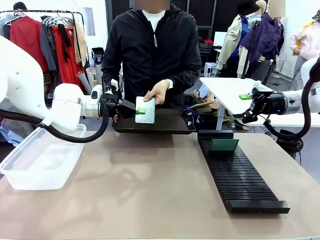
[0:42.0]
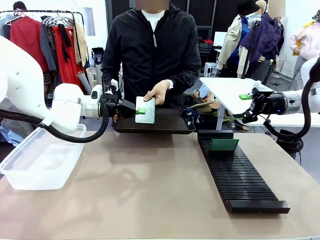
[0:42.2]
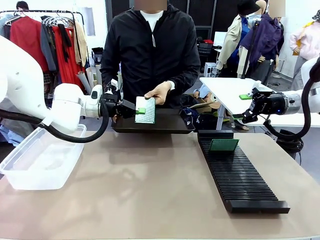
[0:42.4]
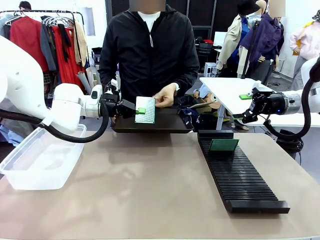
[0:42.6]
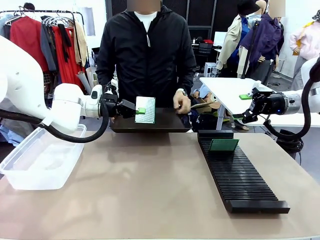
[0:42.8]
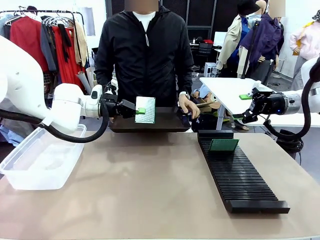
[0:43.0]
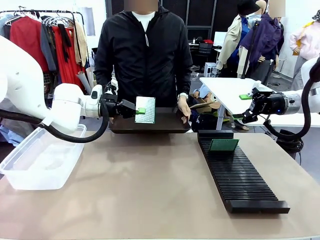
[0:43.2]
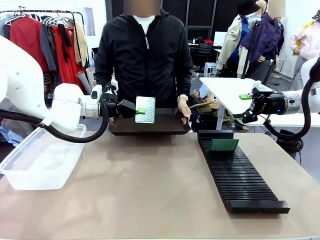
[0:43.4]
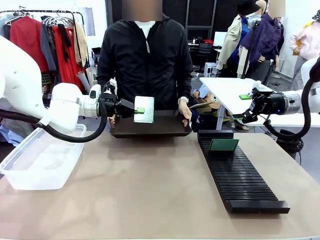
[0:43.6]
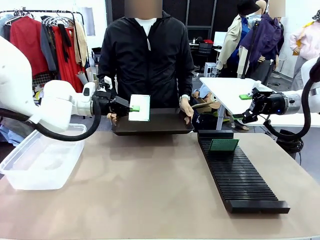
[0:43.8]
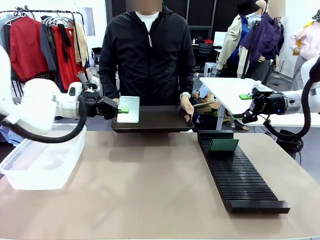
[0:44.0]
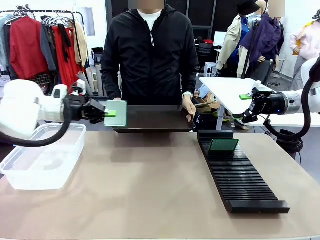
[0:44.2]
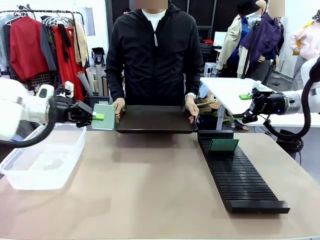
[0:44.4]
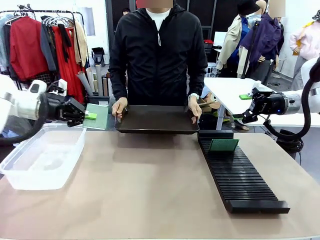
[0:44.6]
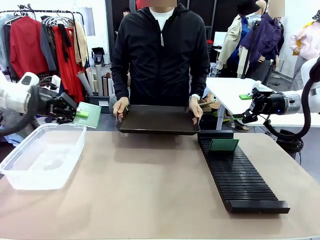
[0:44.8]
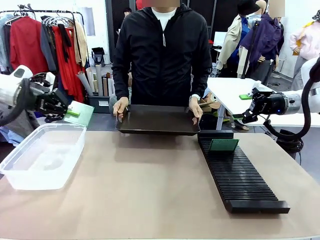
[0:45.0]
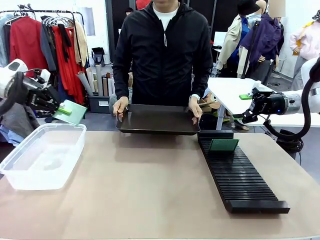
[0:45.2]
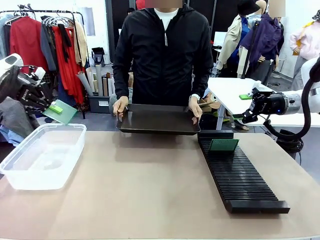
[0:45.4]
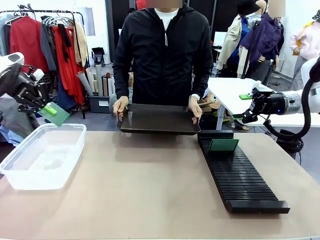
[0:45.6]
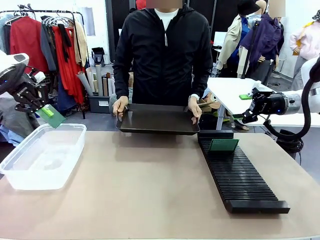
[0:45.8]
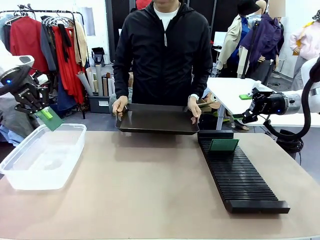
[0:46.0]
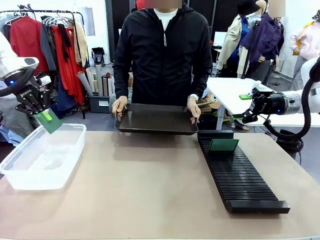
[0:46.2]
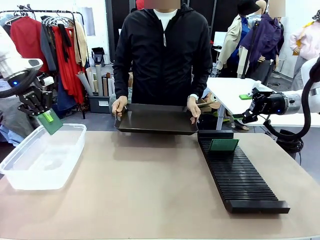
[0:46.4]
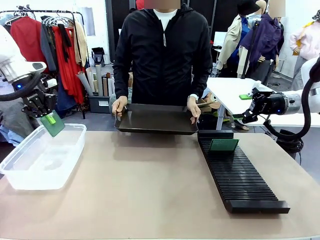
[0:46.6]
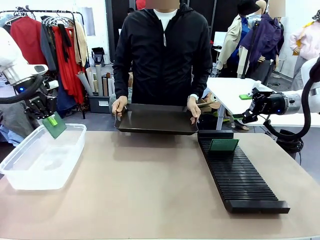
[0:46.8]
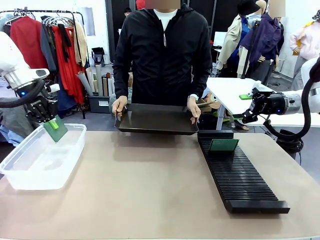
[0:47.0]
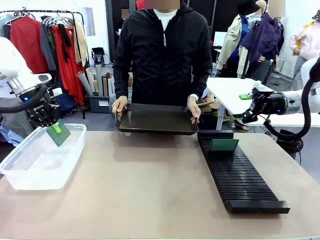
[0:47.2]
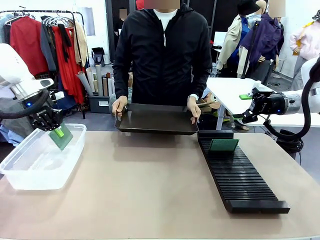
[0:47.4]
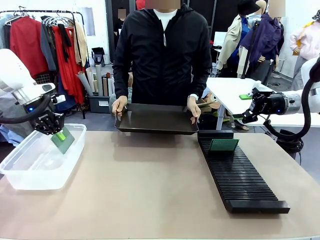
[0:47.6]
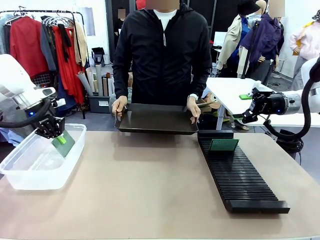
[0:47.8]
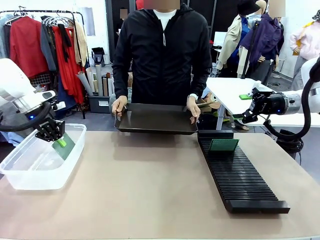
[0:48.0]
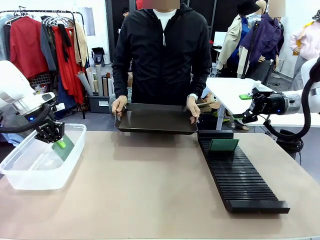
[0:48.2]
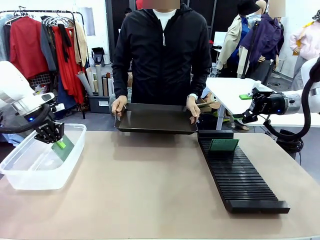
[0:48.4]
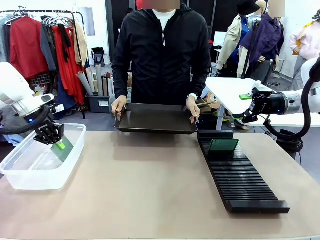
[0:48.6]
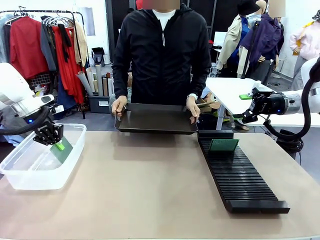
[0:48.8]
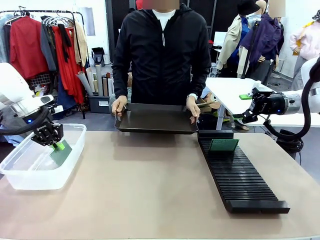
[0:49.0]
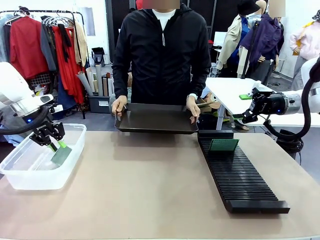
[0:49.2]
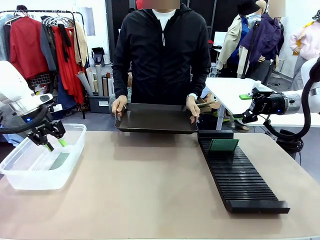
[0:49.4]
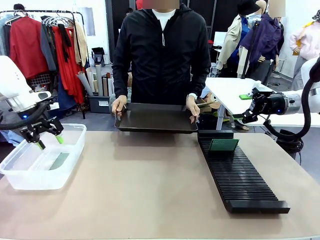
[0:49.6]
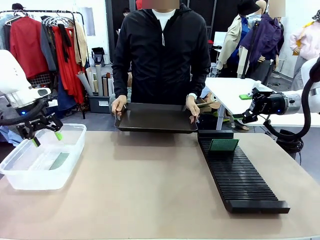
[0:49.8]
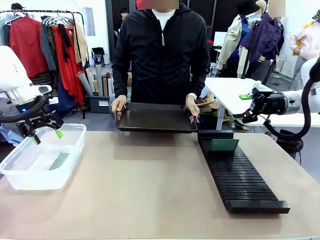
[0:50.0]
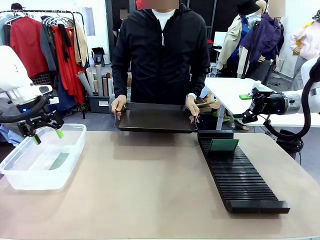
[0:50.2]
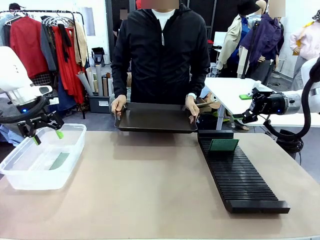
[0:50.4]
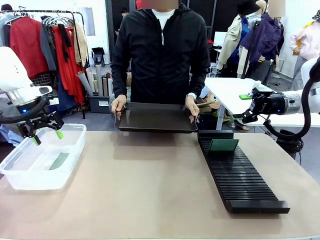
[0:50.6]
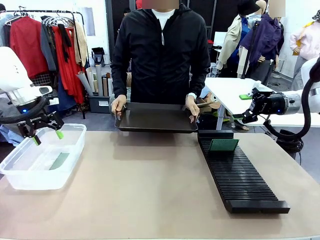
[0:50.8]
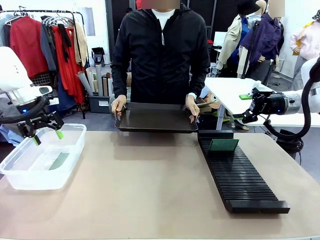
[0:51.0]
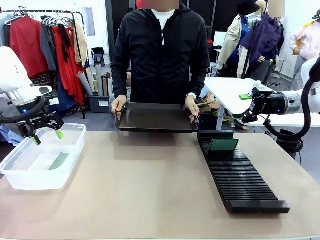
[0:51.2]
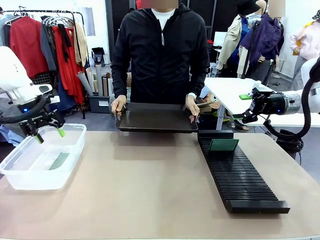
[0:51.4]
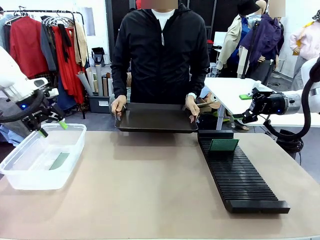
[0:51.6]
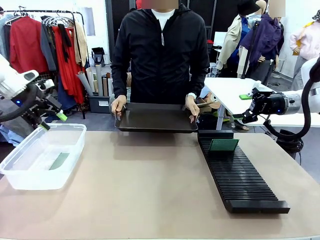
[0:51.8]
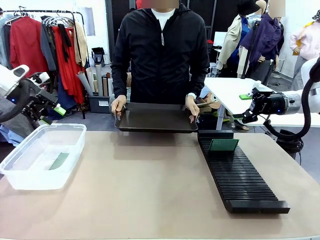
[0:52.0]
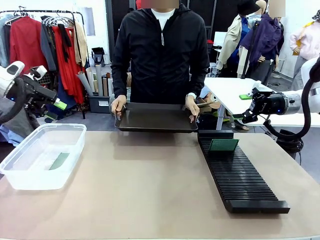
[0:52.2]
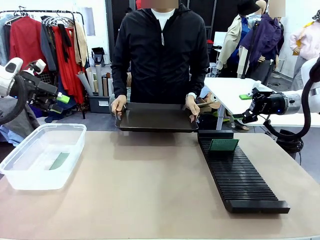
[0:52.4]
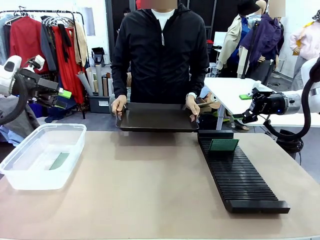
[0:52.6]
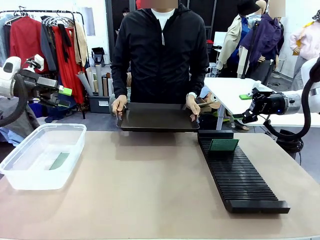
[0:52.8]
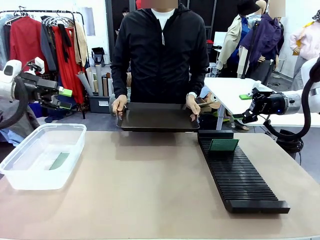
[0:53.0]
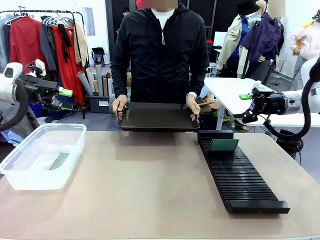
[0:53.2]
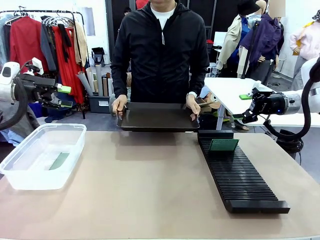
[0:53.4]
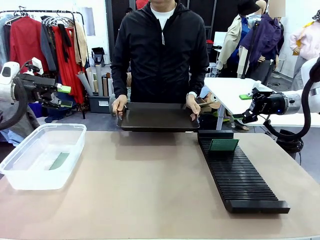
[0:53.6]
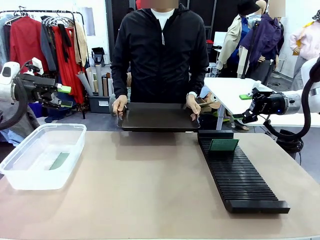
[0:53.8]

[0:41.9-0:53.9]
Task: Sort PCBs into racks and boxes based on the side picked up.
Robot: If the short side of the Blank PCB is picked up, insert it into the PCB Rack ; if the long side is picked up, place it in the Organizing box.
Person: Release the PCB being held.

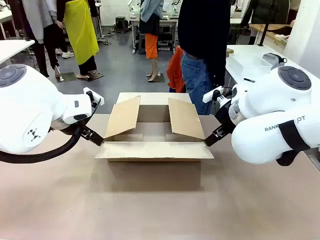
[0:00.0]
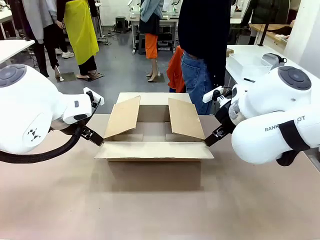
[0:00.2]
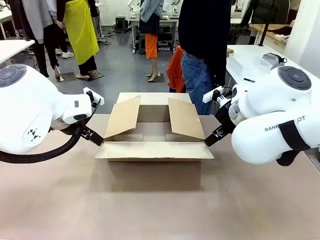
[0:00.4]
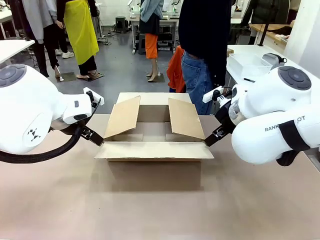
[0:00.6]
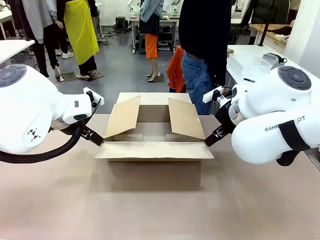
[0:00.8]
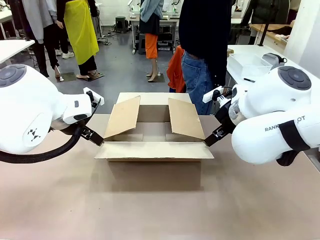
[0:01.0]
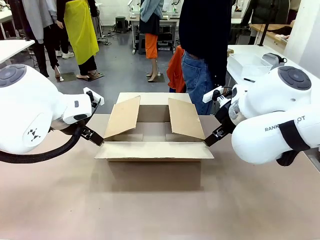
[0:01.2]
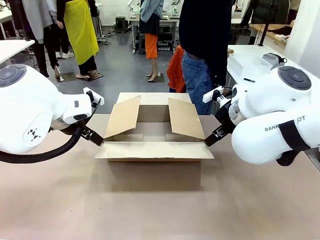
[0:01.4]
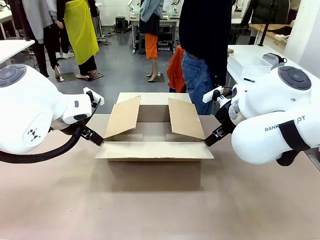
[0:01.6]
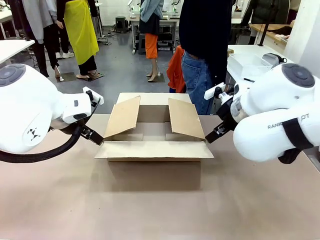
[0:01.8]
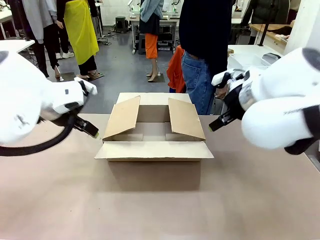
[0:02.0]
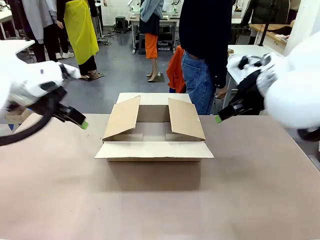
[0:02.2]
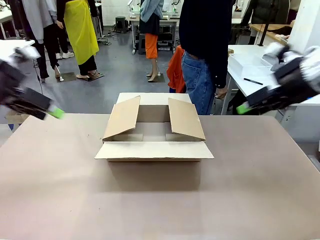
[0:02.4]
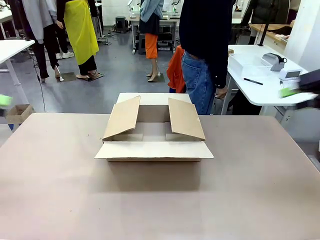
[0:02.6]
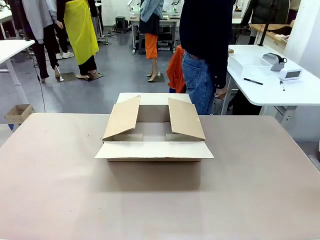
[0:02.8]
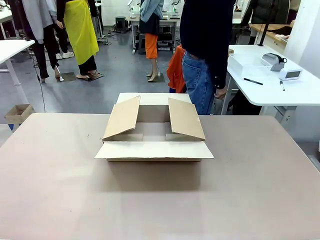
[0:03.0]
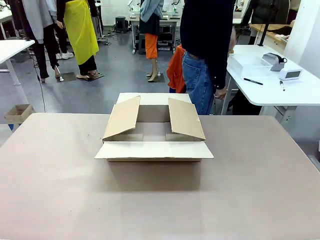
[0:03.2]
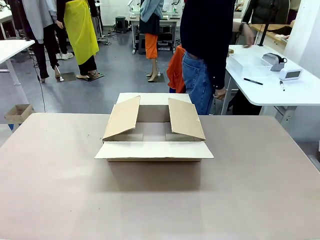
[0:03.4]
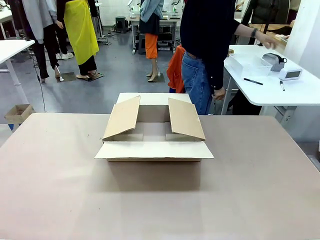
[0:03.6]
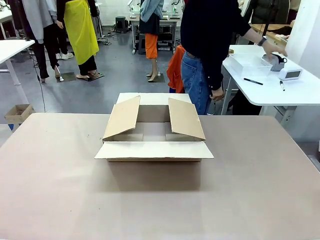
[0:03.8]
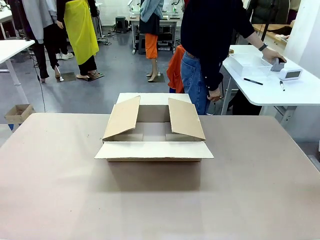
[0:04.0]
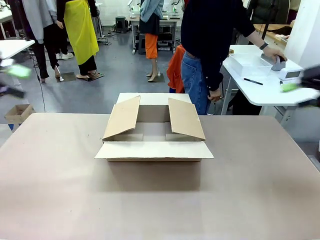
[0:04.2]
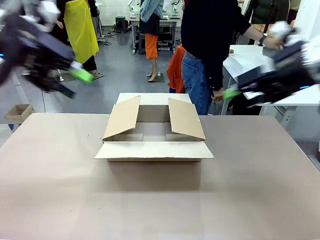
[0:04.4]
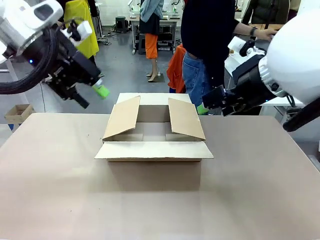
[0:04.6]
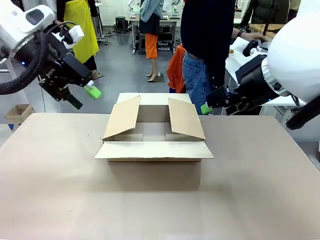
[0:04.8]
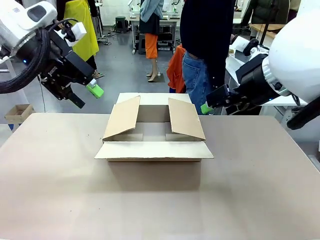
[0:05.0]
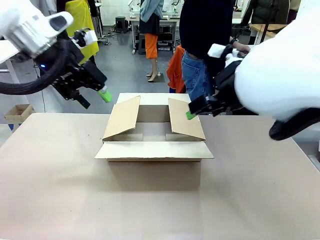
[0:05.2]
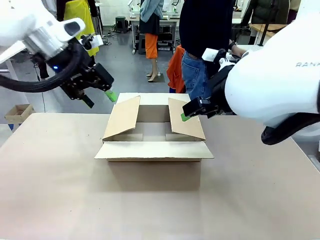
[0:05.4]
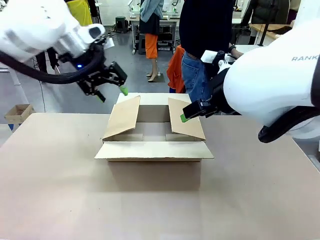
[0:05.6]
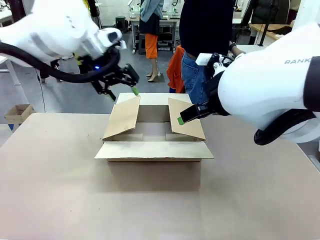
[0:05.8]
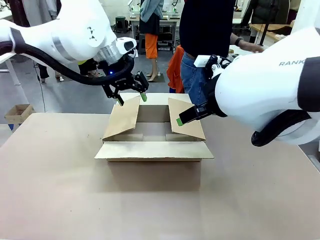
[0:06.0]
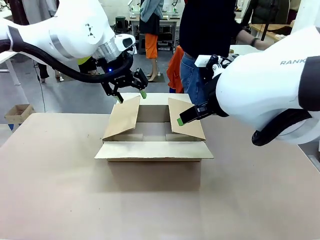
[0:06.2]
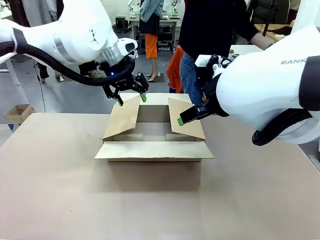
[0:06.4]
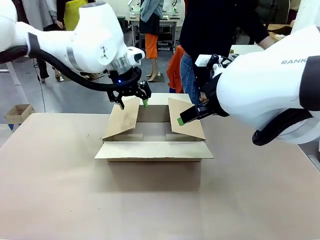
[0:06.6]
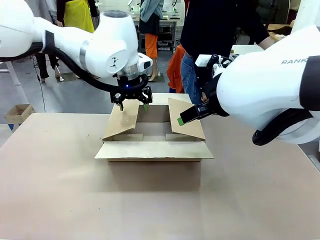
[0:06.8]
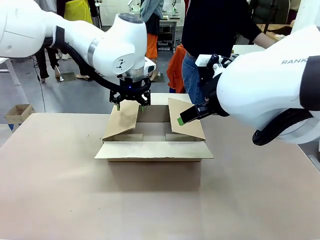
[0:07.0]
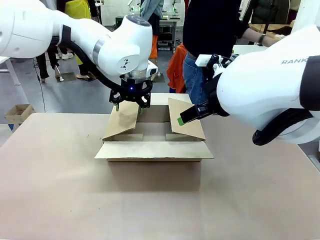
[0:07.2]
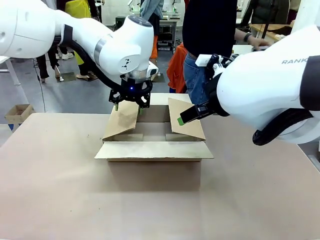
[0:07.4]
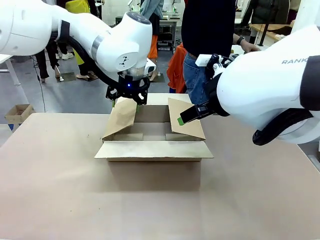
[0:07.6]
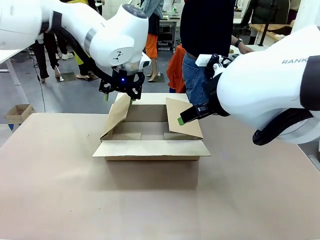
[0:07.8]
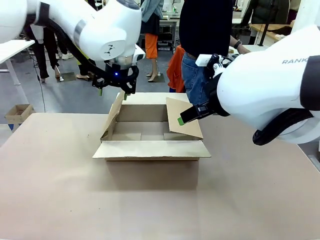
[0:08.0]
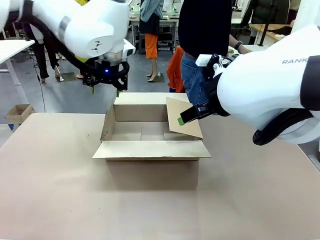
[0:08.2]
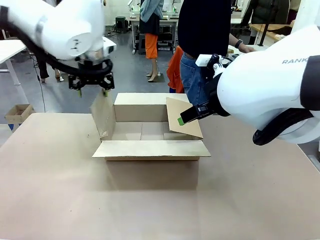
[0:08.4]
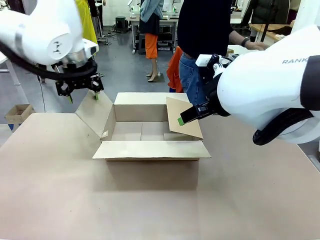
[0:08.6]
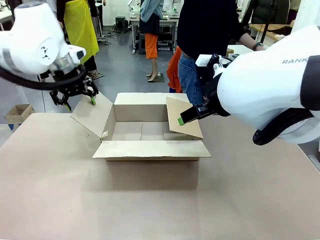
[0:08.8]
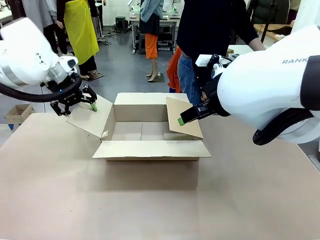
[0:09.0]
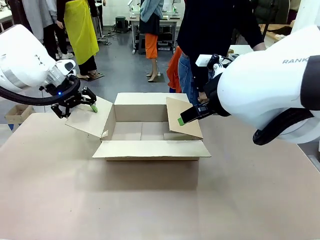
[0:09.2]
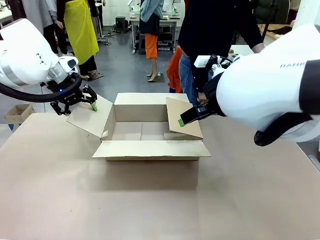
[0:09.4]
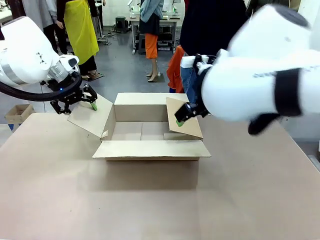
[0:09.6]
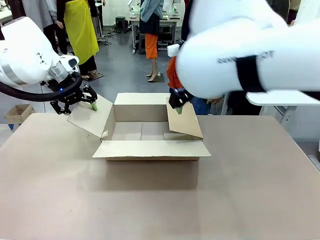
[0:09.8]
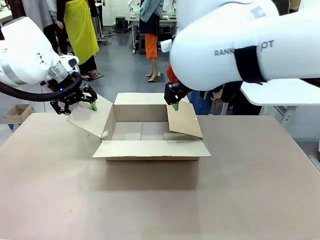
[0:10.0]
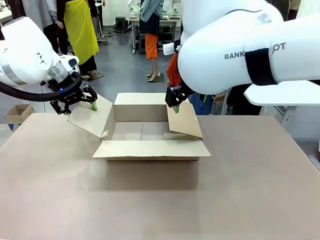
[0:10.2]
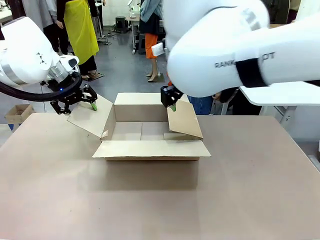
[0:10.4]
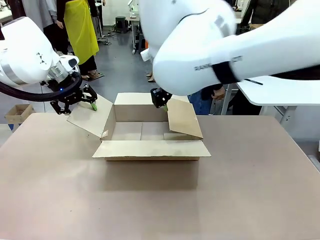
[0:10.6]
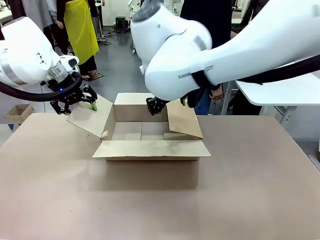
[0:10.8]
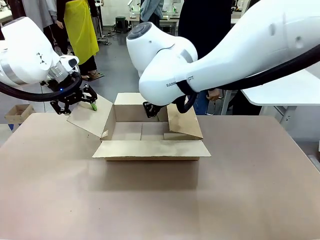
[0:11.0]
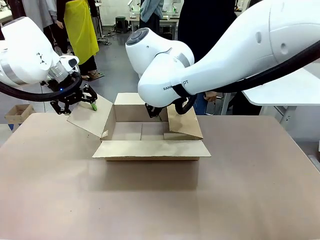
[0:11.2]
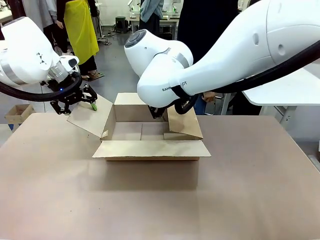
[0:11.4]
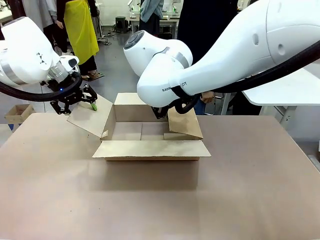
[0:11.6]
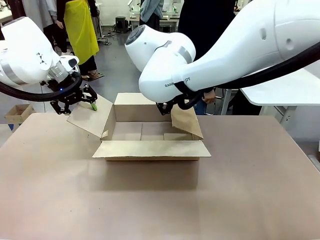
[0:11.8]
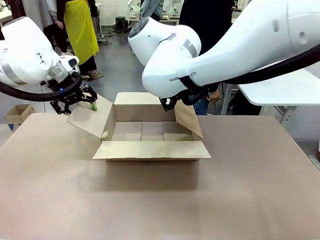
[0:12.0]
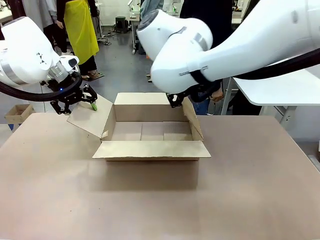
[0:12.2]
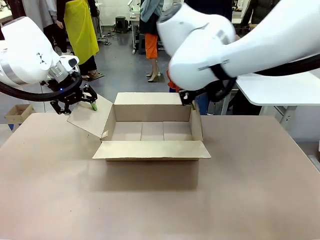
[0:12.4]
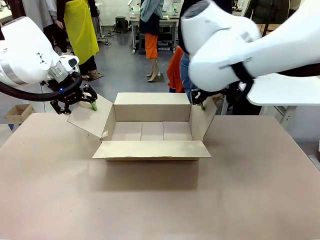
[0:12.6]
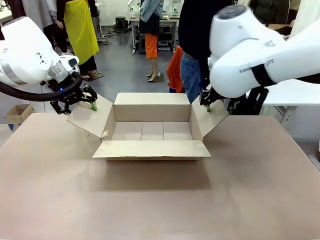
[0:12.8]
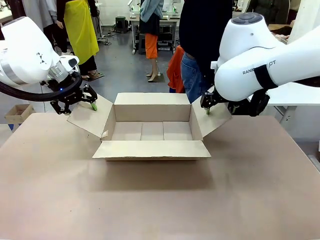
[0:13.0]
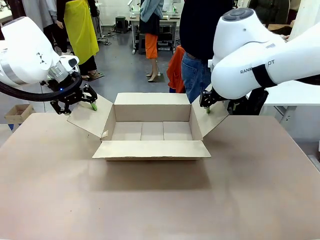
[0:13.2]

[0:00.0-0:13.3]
Task: Pack the gift set into the box.
Robot: Place both hands on the side flaps of the Package Box and spread them outward.
Person: The human places all items except the paper tape into the organizing basket.
